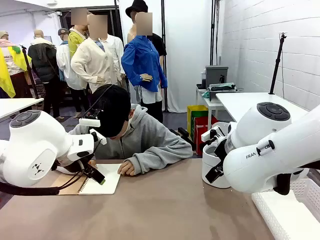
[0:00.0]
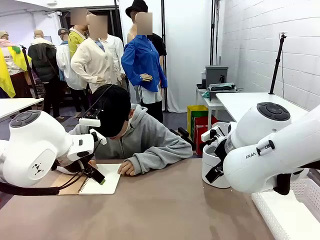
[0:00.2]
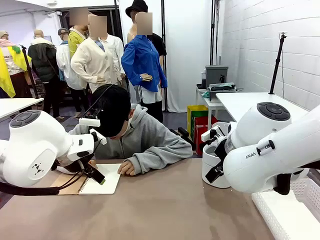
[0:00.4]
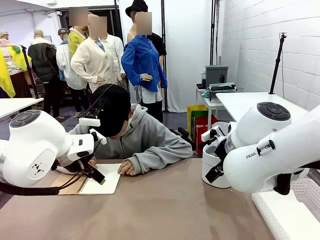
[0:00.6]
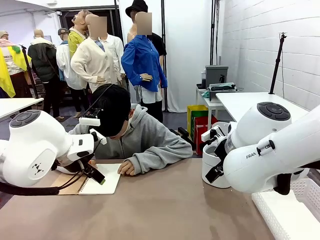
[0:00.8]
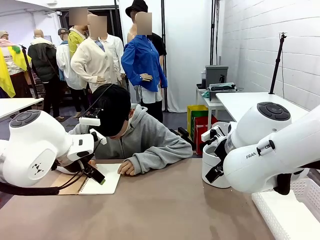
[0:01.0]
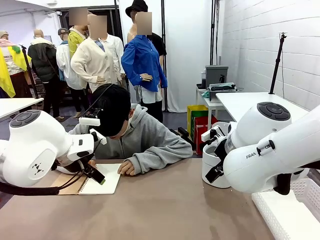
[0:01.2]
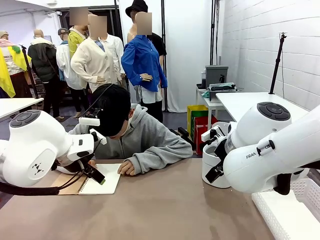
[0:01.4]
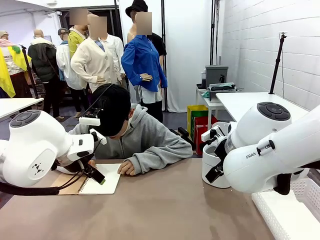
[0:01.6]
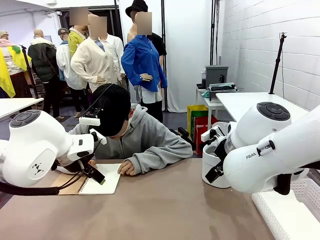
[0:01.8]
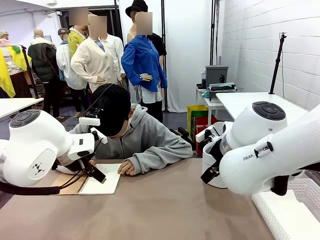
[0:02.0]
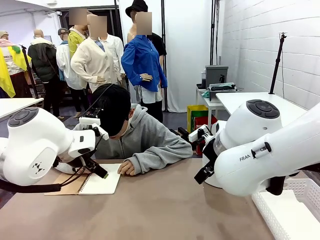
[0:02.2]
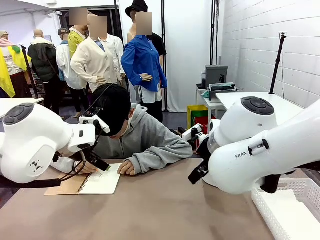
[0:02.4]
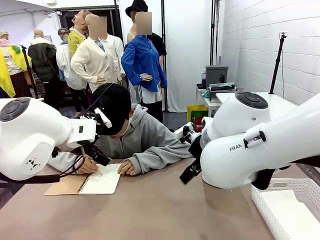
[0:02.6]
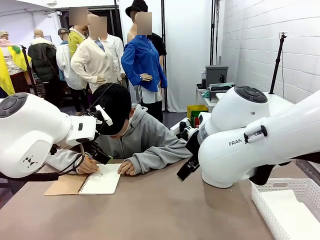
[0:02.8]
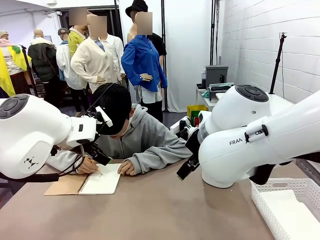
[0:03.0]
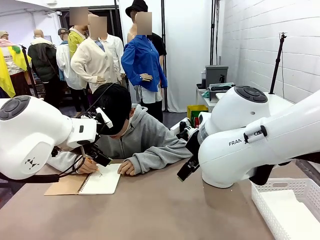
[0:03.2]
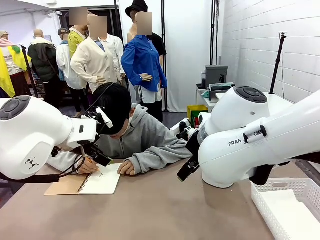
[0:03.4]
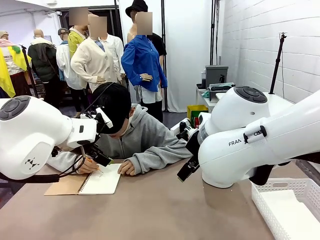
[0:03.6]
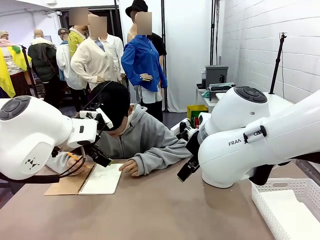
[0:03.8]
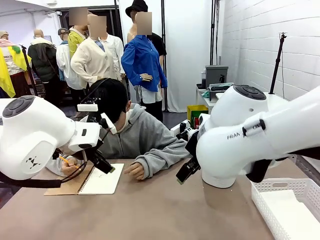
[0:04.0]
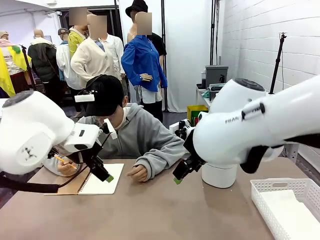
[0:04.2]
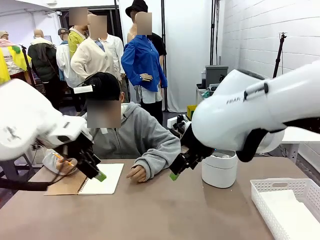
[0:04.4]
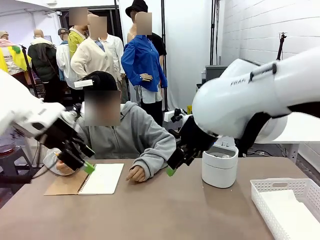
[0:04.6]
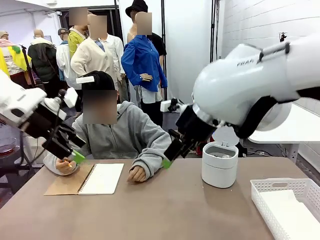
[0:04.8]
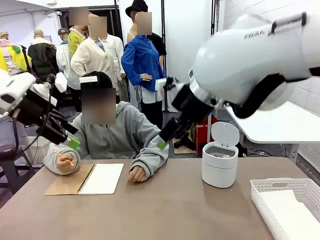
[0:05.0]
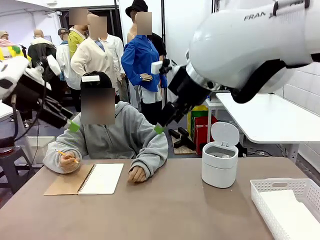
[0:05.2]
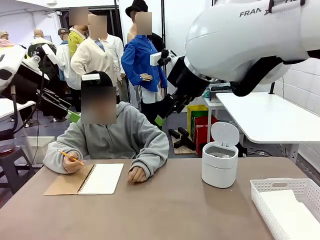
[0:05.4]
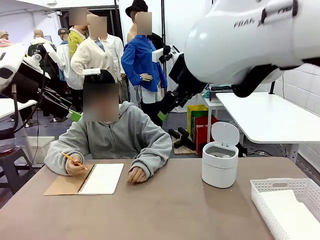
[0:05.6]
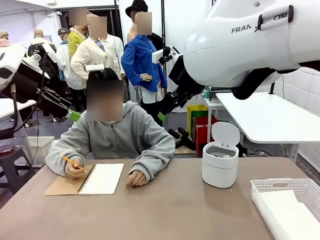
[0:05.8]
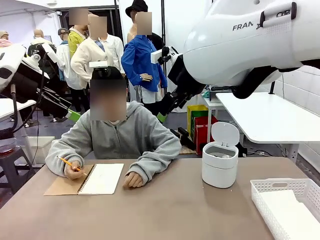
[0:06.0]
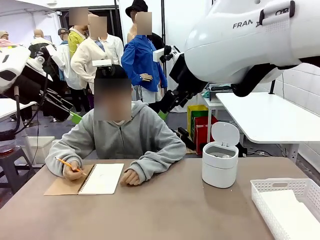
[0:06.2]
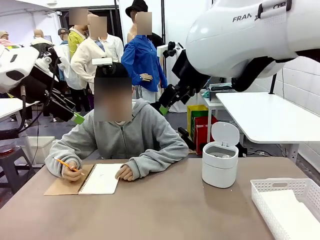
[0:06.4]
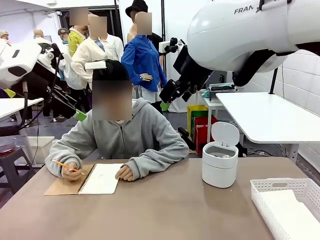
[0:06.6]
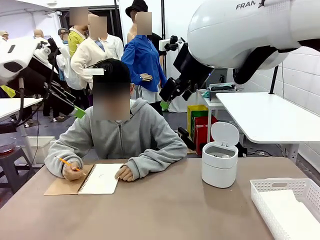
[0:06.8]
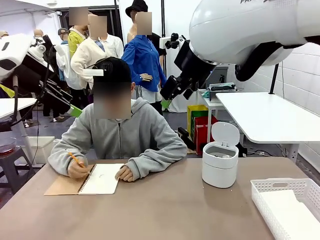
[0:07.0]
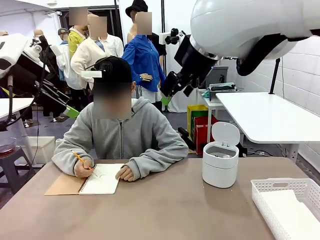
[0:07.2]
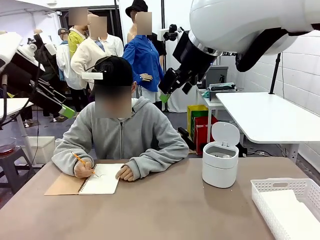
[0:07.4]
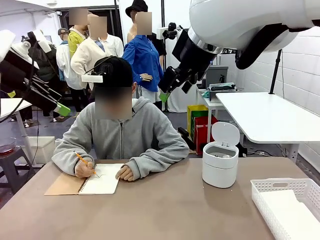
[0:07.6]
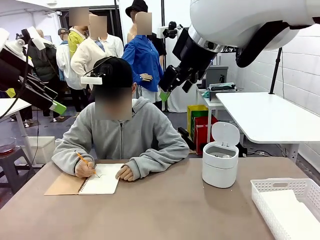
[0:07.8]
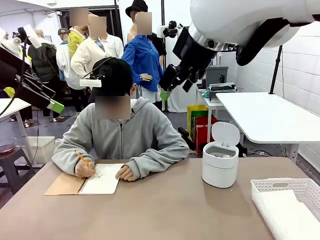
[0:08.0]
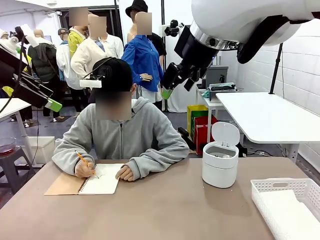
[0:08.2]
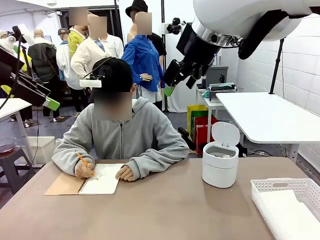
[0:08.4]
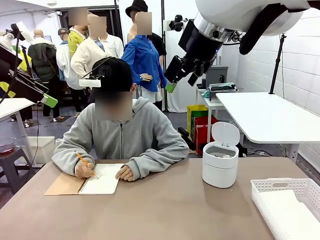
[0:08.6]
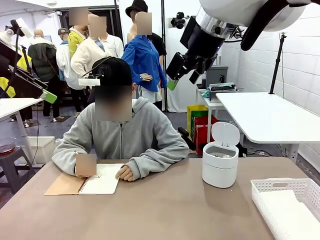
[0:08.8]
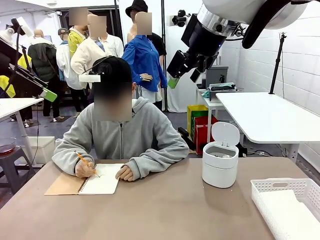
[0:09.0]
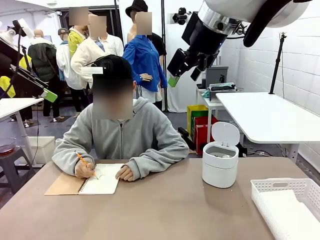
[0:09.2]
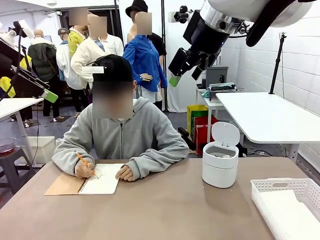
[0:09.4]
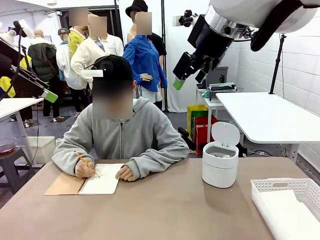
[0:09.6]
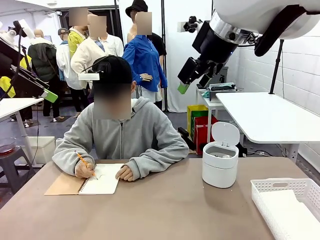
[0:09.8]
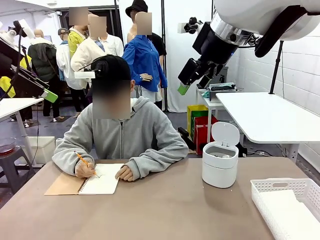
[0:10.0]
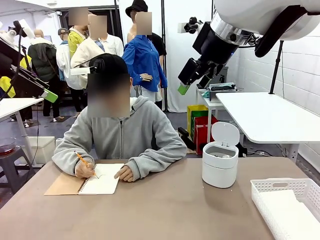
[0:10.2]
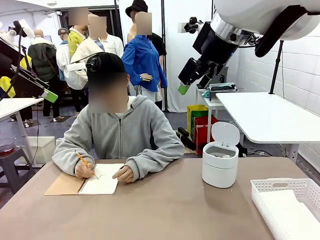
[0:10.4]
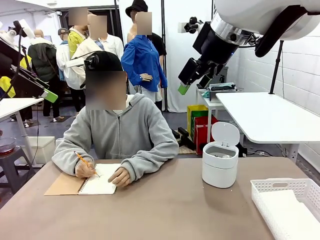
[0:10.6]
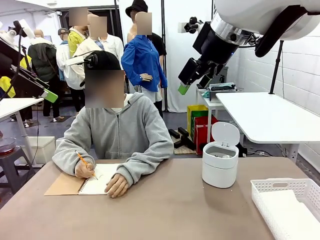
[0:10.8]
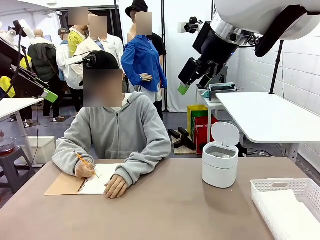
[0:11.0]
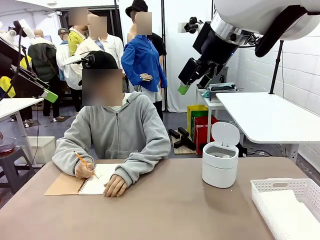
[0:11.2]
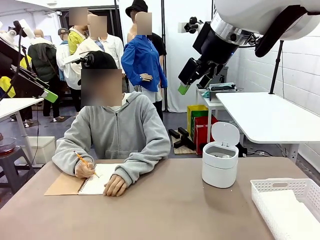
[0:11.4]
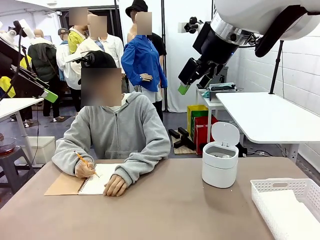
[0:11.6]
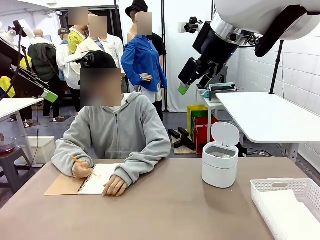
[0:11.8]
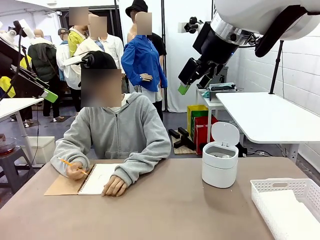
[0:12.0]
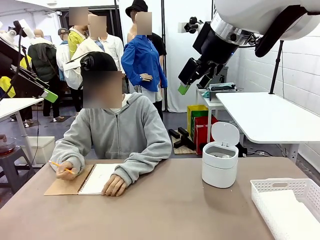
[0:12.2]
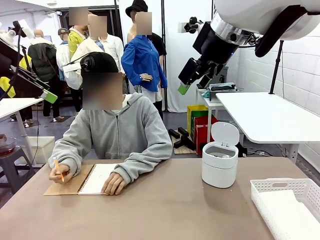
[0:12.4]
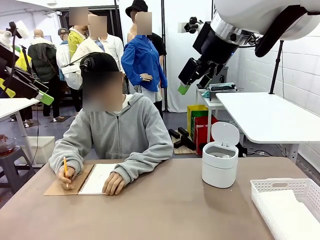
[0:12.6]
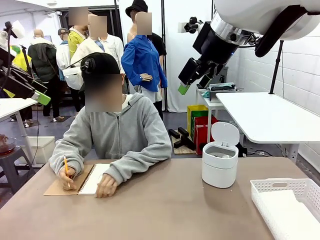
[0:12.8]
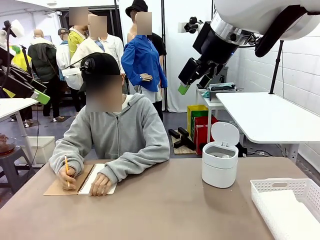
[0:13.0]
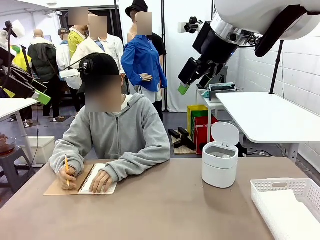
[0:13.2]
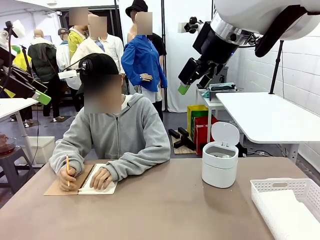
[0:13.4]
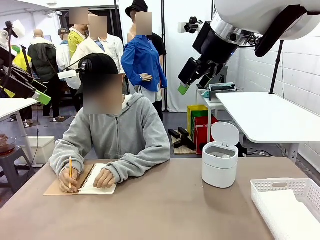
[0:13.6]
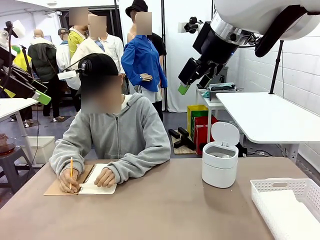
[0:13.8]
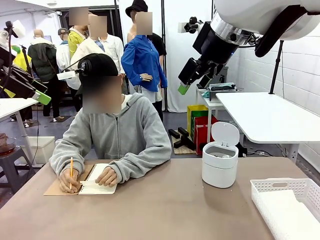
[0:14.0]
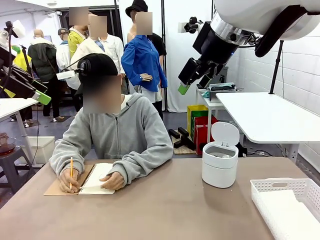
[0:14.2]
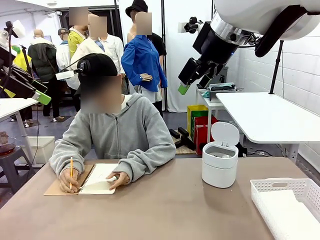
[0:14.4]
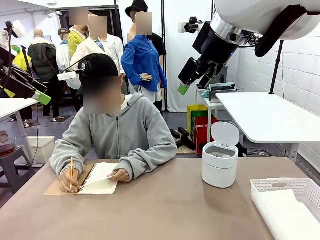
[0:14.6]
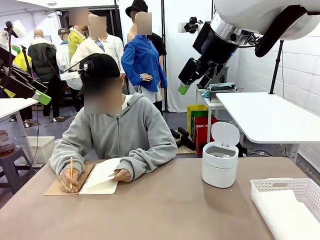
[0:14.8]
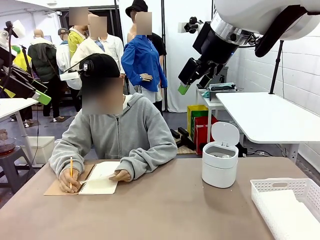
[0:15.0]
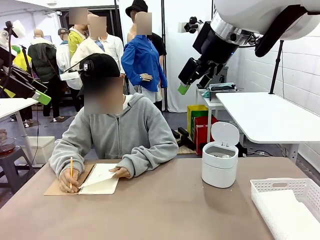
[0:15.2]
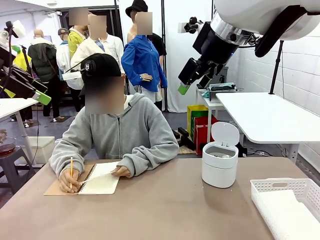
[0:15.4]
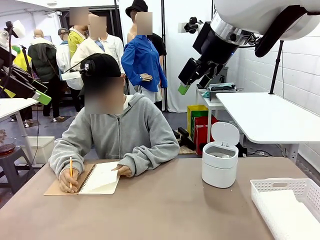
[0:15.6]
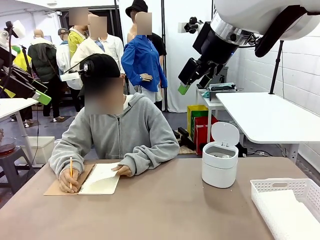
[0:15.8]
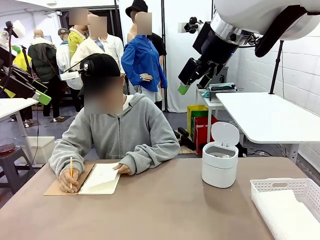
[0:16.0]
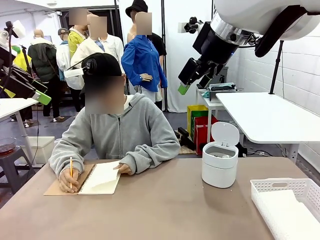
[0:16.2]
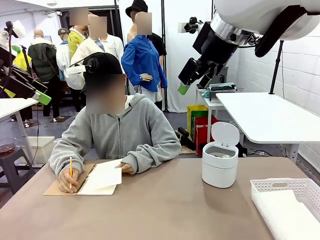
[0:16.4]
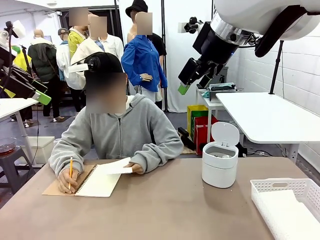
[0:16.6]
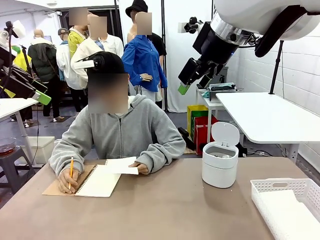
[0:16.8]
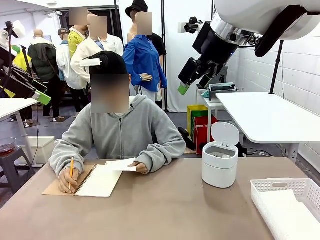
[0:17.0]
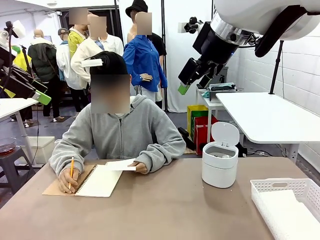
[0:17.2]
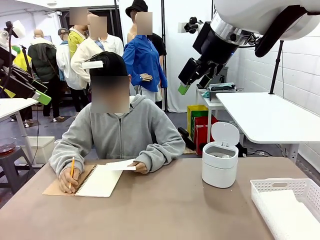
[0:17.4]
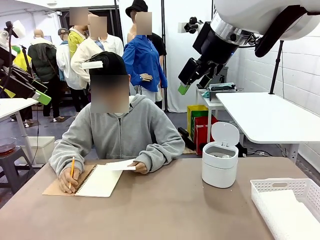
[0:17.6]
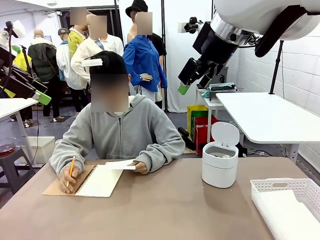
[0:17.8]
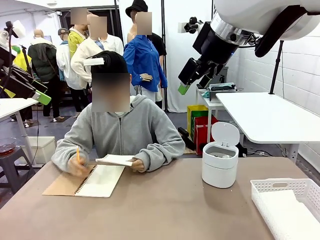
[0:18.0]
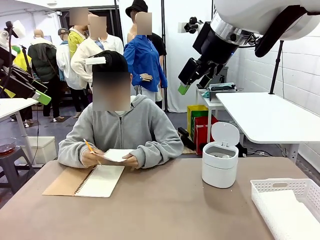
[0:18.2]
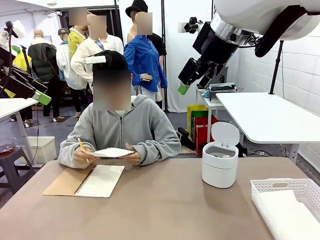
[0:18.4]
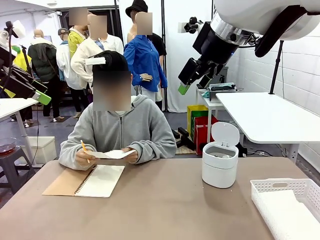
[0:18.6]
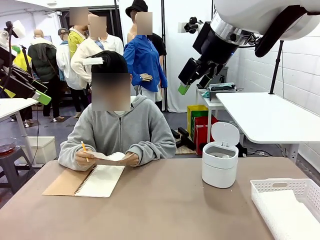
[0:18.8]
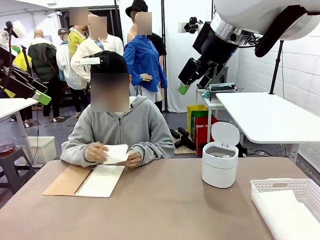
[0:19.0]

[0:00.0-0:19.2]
Task: Sort the paper based on its condition.
Robot: If a person hands you a paper, place it in the Organizing basket , and if it's crumpled, put it in the Trash can.
Person: Tear out a page from the spiral notebook.
